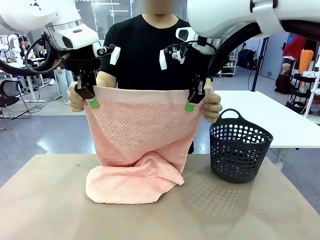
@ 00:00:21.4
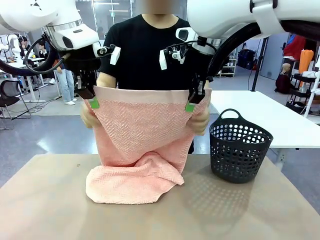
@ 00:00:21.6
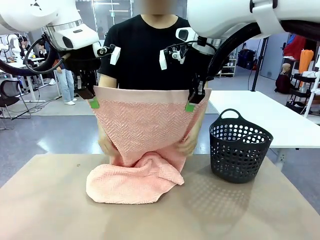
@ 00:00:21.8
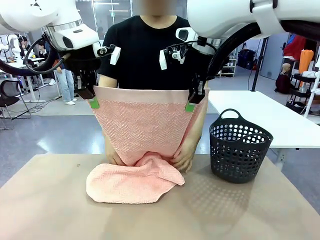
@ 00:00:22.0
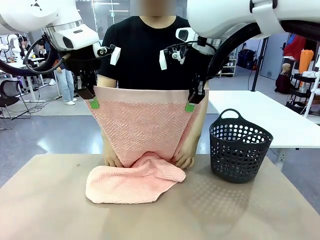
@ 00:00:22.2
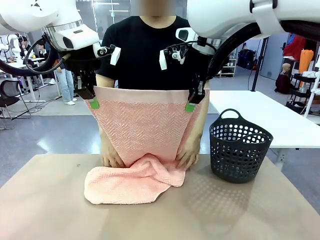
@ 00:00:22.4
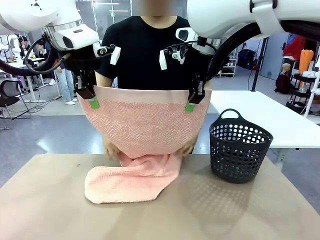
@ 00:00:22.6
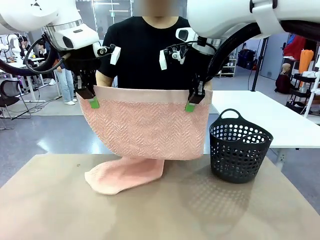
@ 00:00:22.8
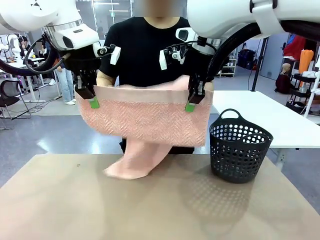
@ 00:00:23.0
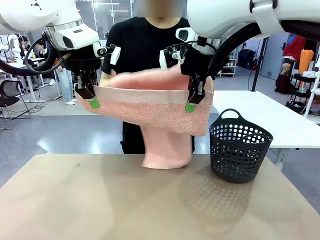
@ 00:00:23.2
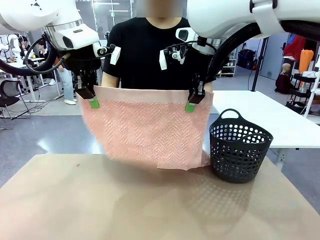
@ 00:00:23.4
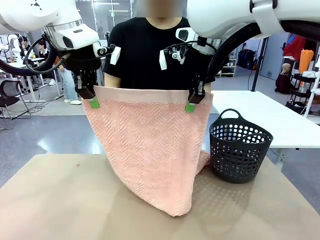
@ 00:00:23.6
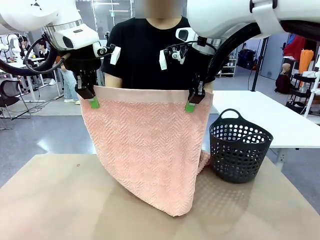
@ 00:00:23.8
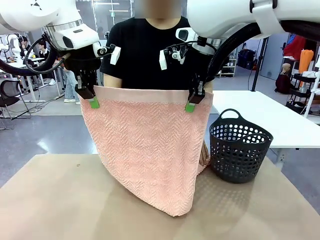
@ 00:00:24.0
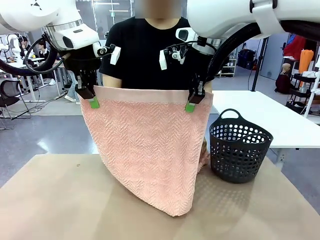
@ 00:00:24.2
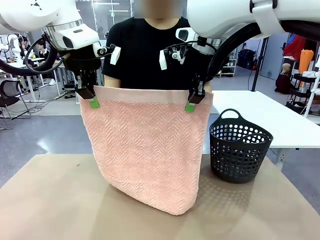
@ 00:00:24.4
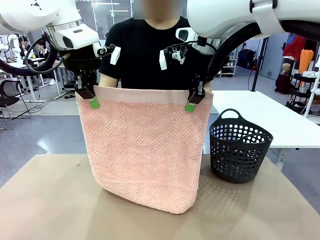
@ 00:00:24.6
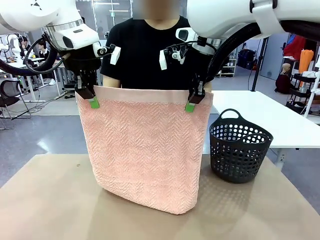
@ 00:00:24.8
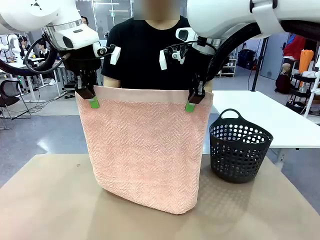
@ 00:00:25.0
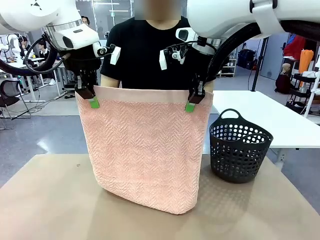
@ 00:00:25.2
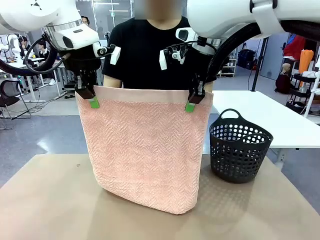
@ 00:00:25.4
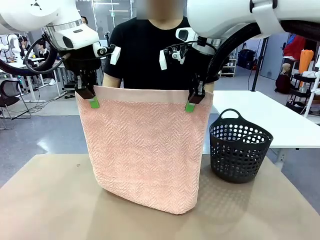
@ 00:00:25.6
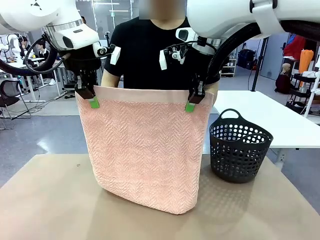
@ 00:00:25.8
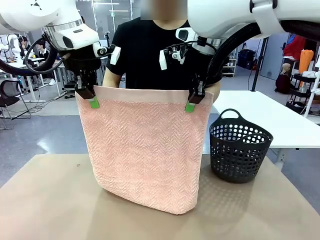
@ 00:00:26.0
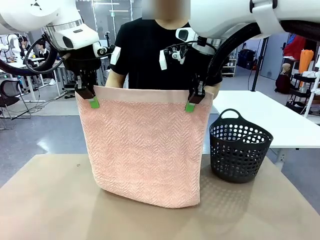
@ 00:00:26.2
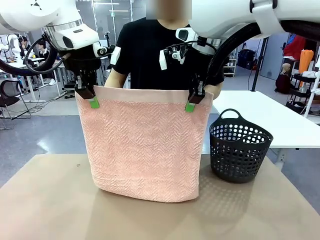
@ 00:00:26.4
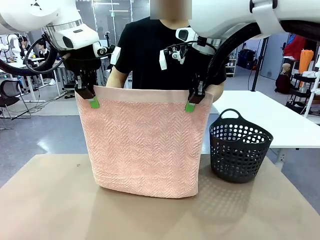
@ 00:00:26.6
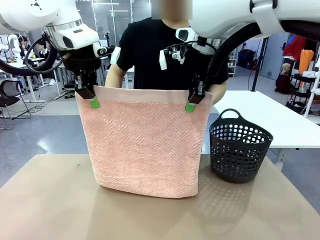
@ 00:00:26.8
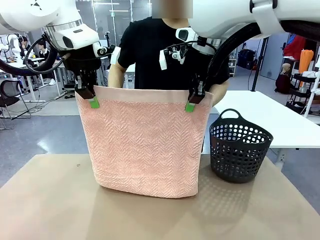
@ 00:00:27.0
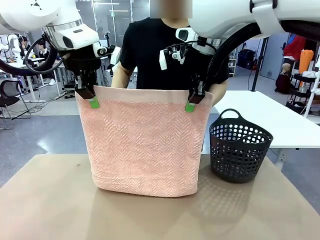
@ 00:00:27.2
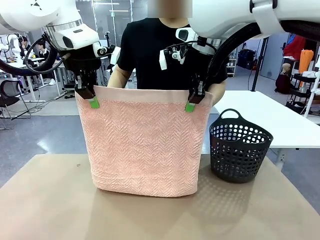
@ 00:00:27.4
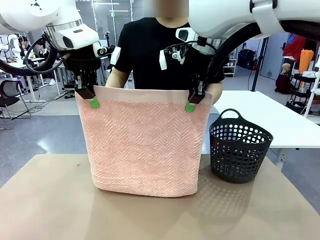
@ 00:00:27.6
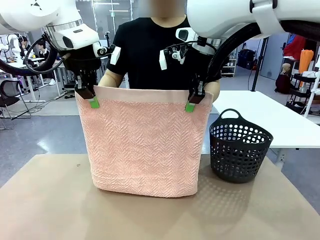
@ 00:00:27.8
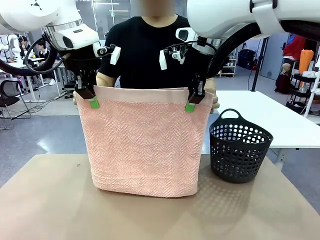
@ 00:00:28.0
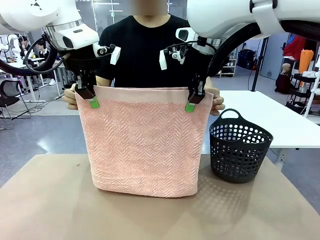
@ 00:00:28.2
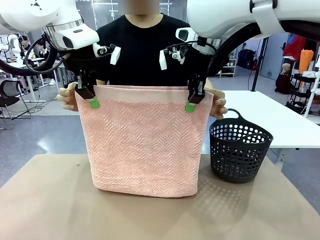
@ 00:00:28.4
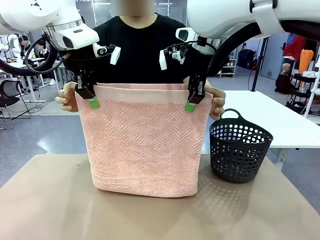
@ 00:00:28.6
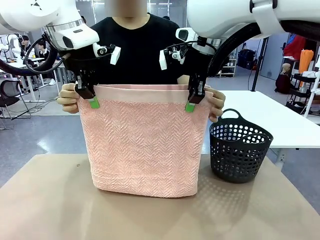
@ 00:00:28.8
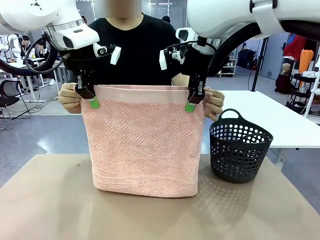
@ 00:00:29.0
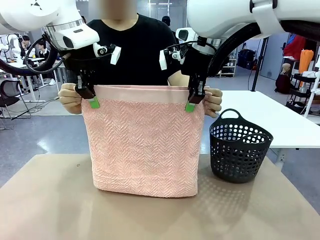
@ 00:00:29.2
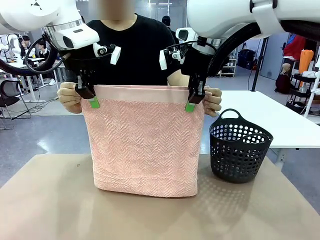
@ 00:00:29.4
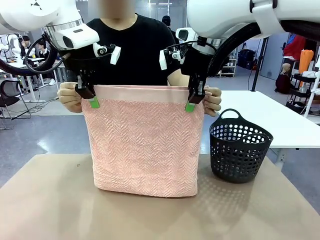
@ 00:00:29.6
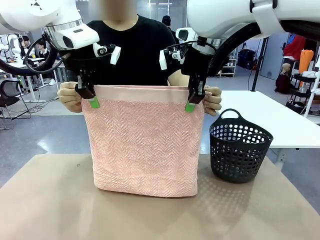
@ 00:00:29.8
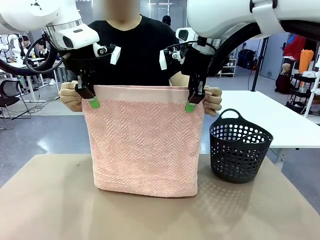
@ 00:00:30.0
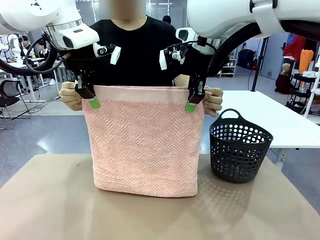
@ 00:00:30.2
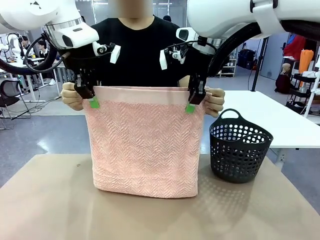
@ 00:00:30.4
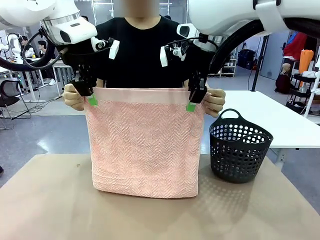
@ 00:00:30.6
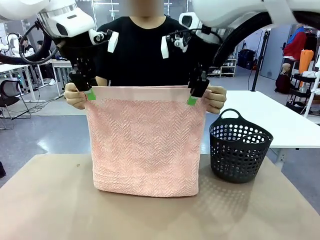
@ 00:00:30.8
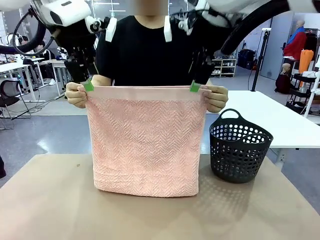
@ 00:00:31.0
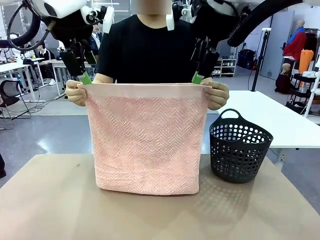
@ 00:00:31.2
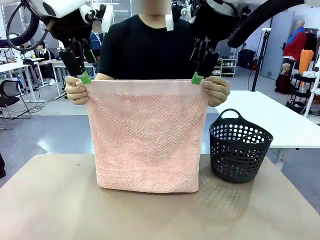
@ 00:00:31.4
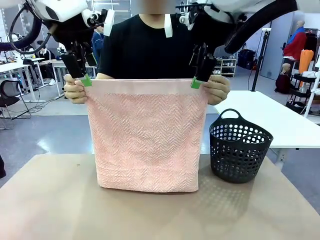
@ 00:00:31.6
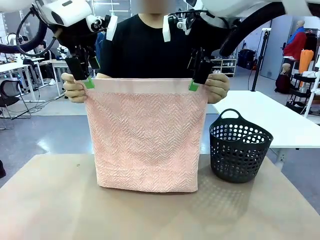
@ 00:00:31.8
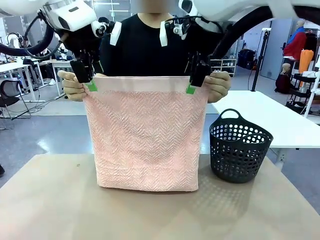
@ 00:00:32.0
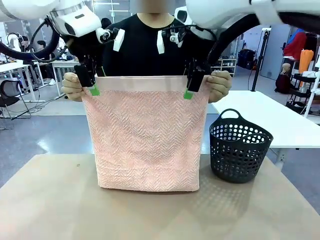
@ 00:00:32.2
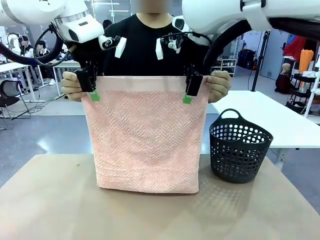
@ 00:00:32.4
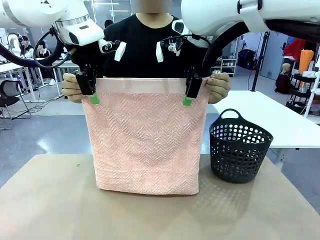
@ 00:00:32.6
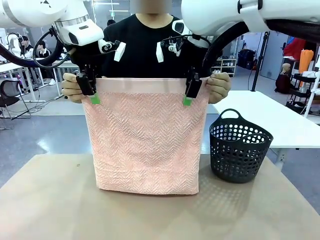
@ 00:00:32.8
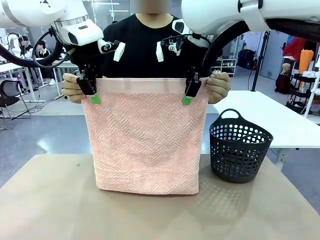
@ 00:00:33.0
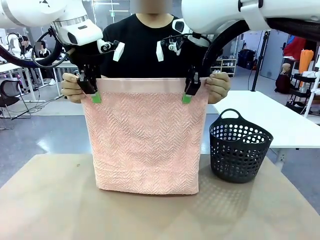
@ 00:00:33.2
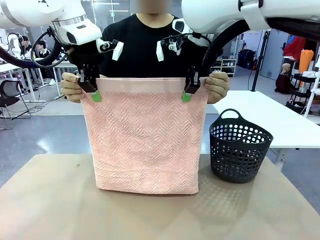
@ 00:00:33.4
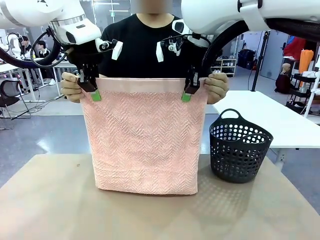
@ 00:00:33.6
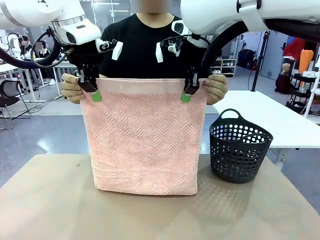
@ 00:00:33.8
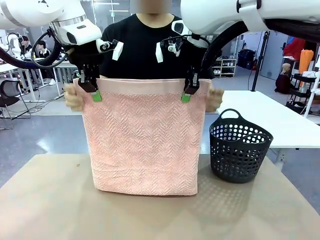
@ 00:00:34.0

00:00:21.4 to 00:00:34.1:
Task: Fold the towel.
Robot: Release the end of the 100 cm Hotel Towel you were holding and grab the top end of the folded side.
Person: Using the point held by the robot as a reference, grasp the opposite end, fold the towel in half, and then hold both ends of the folded towel.

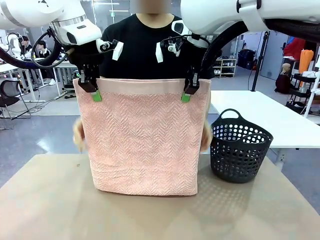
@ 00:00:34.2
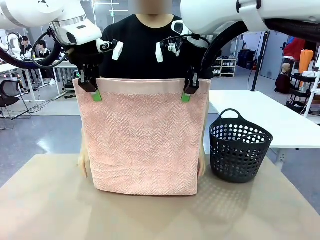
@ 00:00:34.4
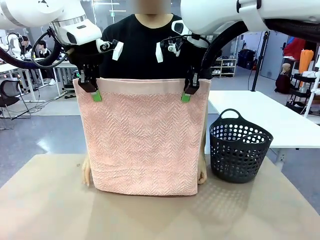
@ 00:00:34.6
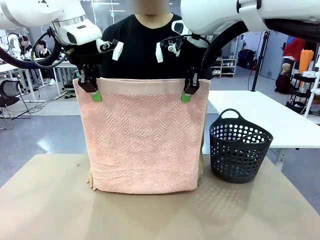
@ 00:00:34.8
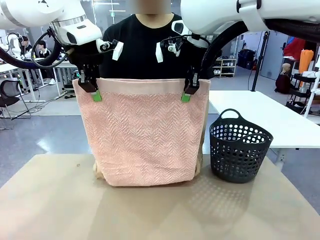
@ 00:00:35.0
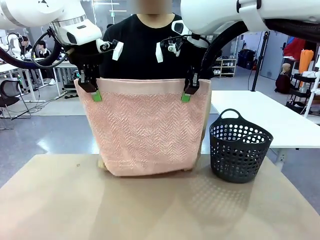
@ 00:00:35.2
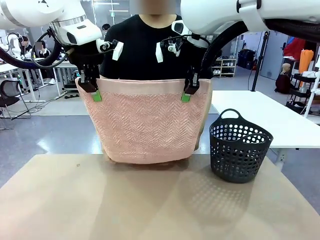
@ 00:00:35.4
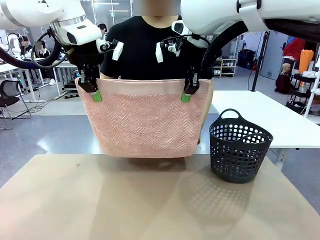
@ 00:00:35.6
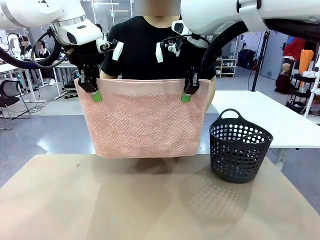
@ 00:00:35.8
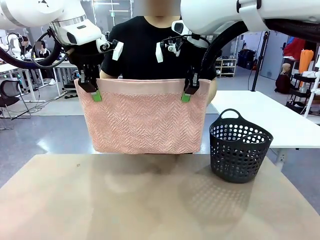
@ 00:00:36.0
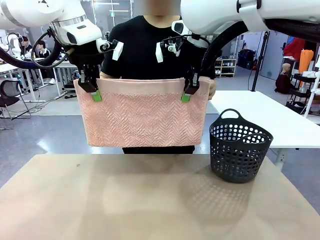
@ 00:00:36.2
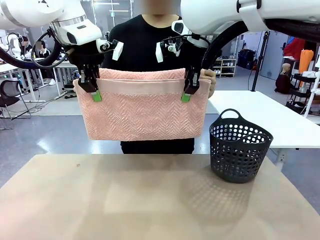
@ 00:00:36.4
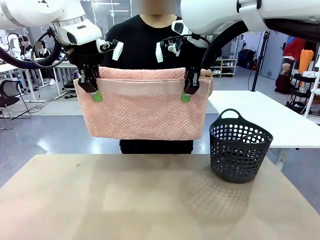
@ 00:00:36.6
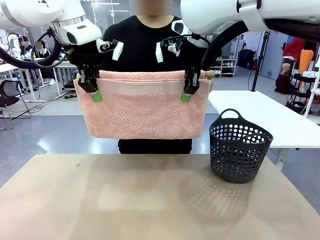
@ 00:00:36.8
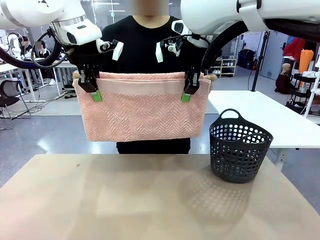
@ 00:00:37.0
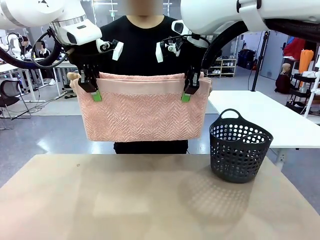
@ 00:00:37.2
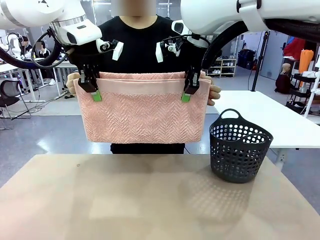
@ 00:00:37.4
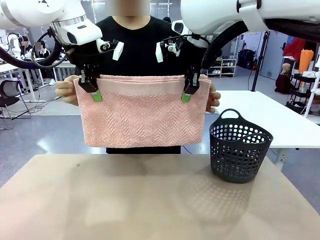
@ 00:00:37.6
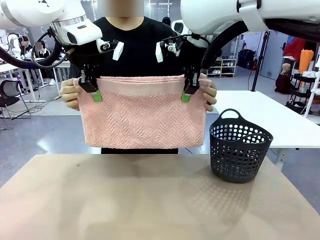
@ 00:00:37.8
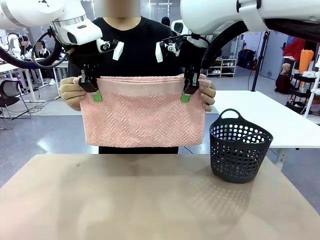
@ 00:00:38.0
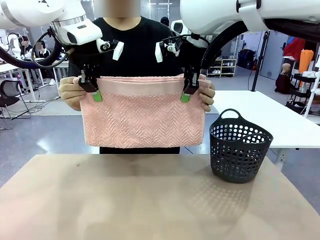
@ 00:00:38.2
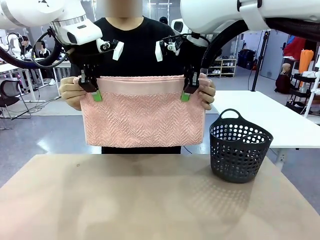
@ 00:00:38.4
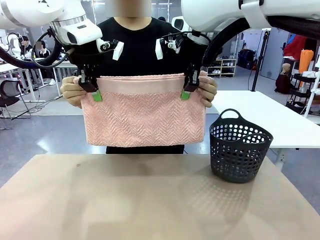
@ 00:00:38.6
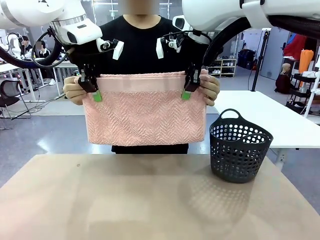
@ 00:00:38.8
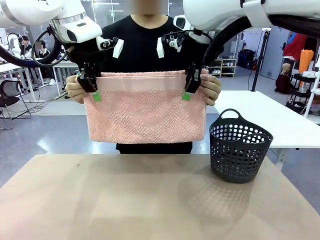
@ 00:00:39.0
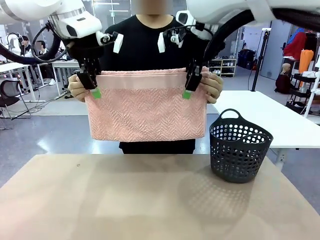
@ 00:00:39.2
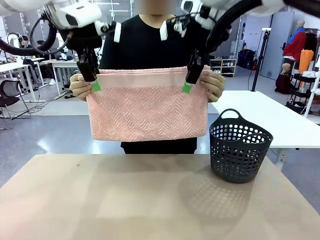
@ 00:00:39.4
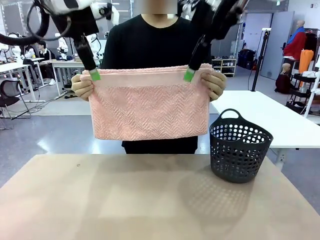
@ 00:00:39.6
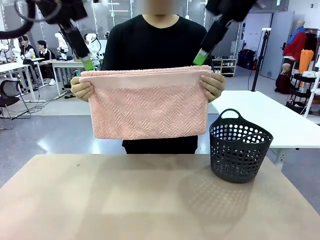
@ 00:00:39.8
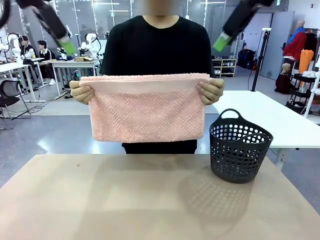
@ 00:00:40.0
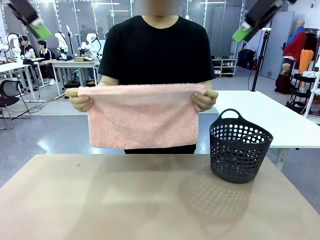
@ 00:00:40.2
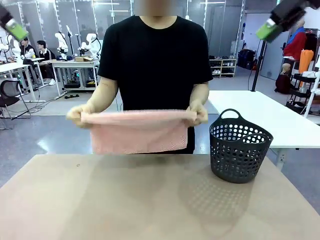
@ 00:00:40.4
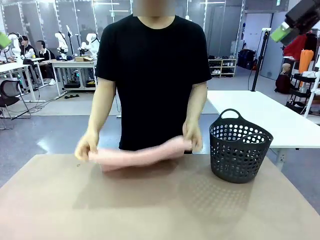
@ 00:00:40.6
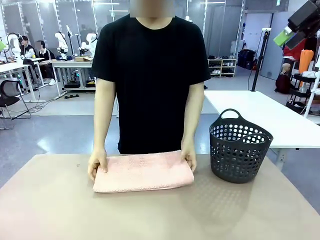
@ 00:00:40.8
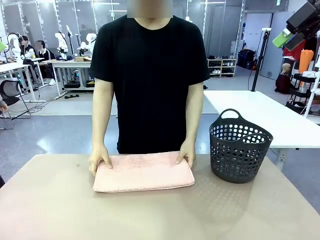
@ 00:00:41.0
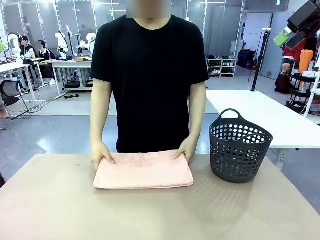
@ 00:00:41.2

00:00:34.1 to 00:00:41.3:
Robot: Release the end of the 100 cm Hotel Towel you were holding.
